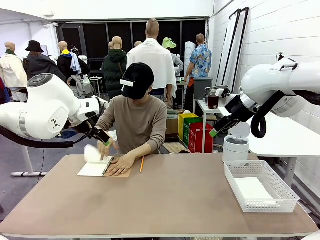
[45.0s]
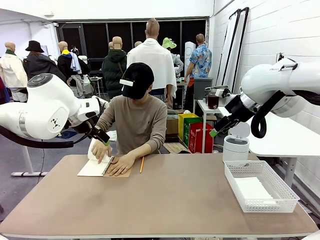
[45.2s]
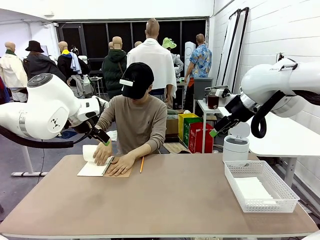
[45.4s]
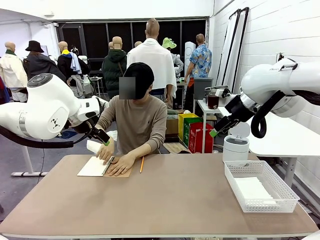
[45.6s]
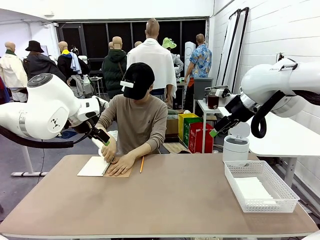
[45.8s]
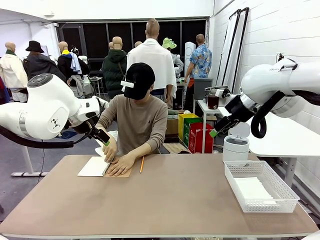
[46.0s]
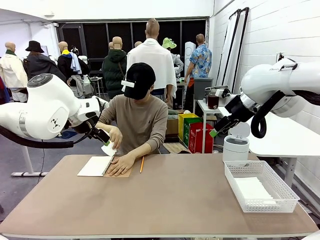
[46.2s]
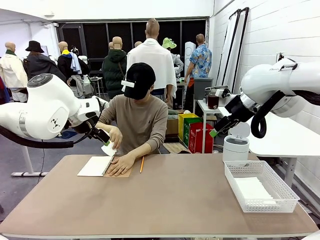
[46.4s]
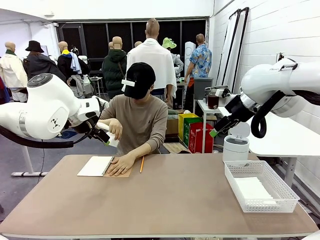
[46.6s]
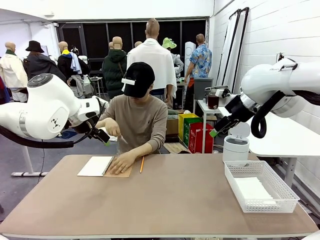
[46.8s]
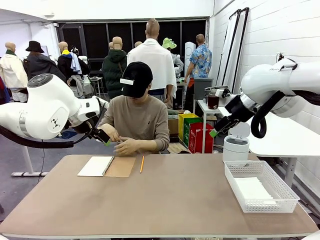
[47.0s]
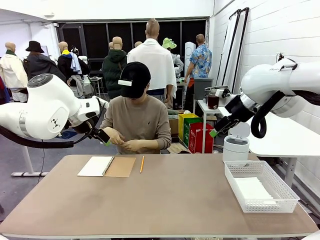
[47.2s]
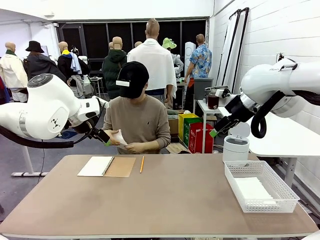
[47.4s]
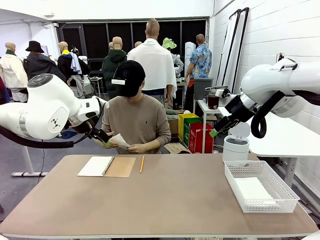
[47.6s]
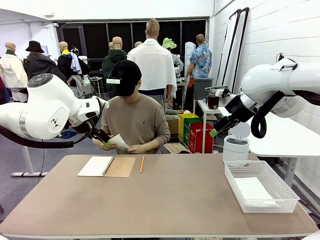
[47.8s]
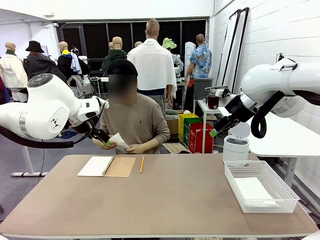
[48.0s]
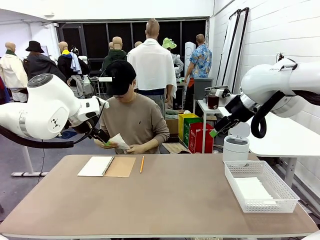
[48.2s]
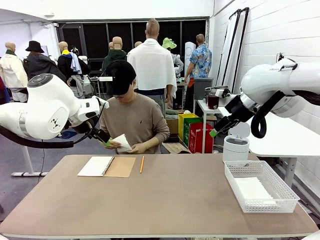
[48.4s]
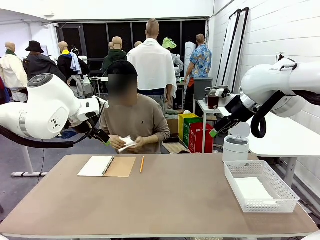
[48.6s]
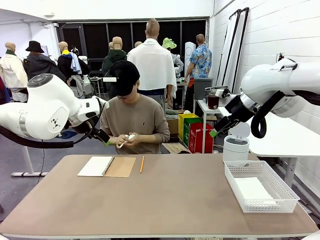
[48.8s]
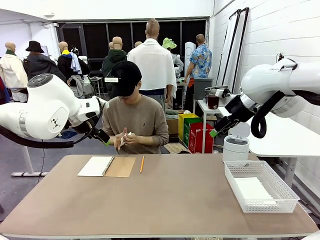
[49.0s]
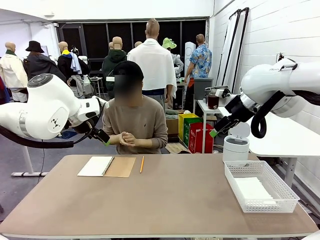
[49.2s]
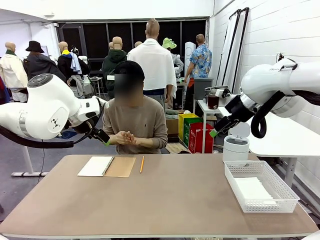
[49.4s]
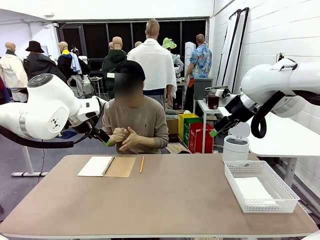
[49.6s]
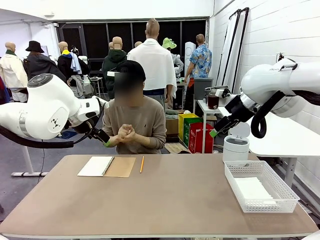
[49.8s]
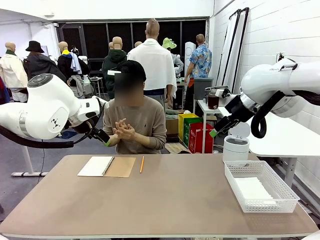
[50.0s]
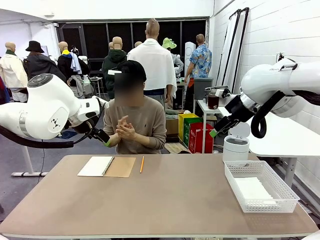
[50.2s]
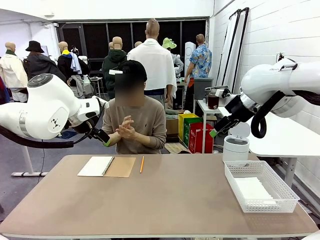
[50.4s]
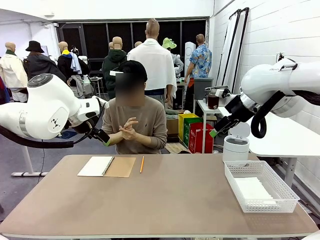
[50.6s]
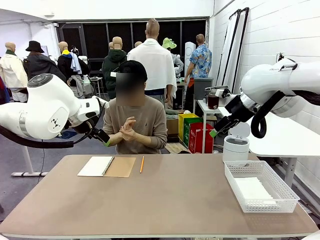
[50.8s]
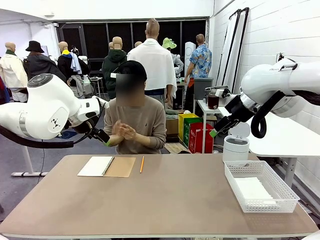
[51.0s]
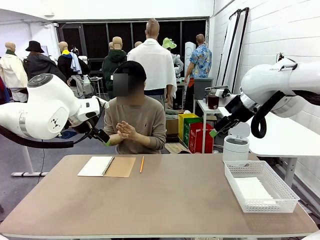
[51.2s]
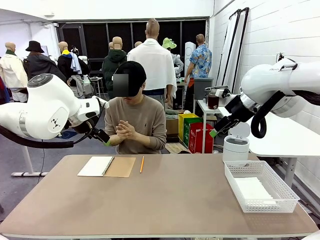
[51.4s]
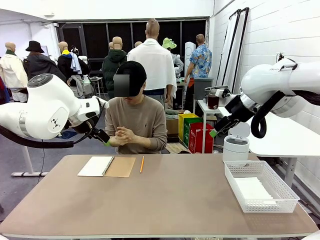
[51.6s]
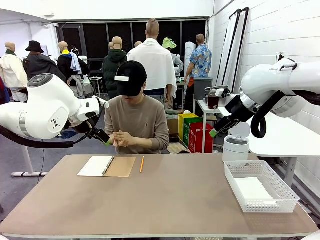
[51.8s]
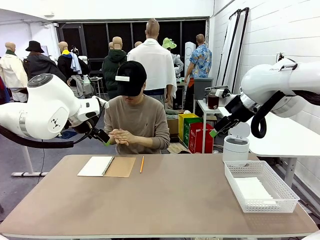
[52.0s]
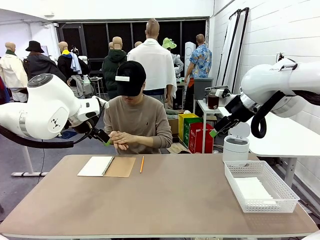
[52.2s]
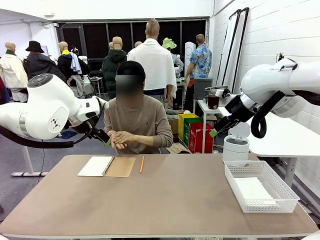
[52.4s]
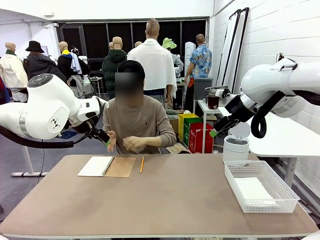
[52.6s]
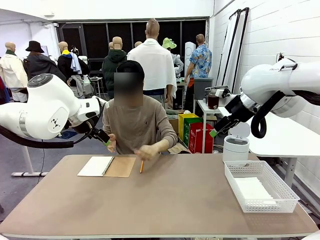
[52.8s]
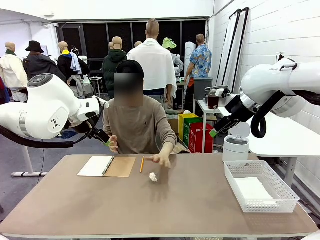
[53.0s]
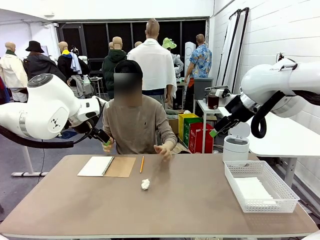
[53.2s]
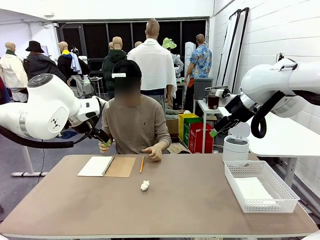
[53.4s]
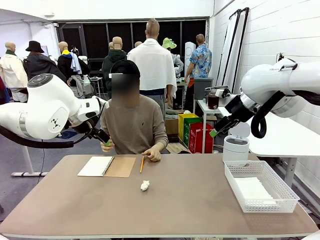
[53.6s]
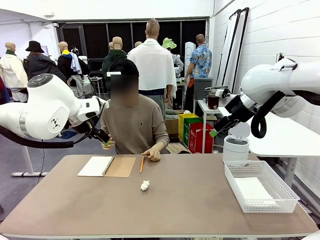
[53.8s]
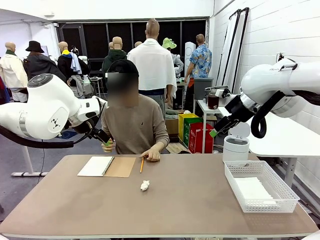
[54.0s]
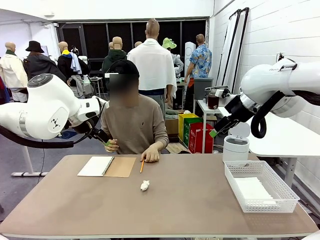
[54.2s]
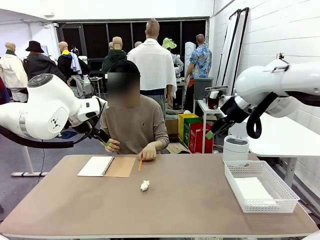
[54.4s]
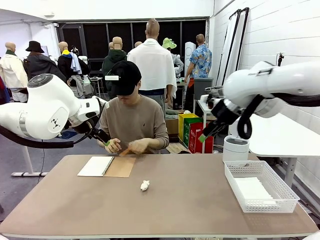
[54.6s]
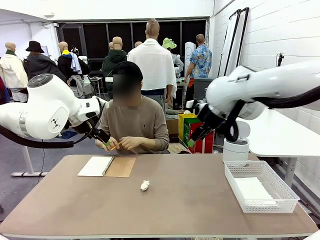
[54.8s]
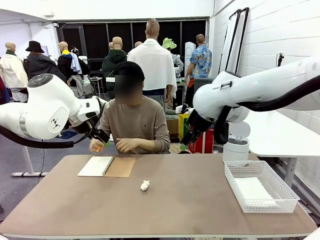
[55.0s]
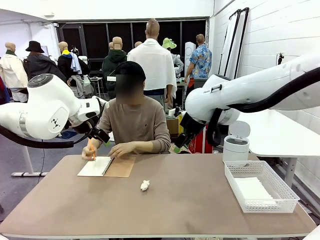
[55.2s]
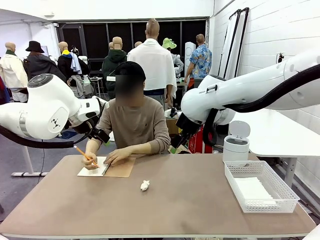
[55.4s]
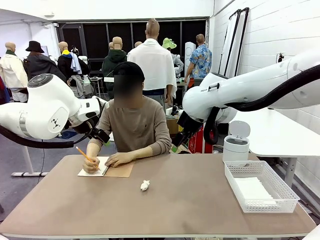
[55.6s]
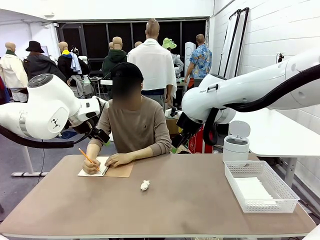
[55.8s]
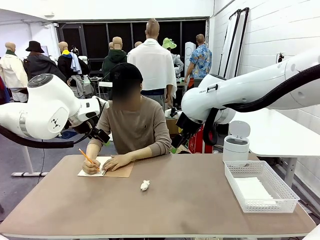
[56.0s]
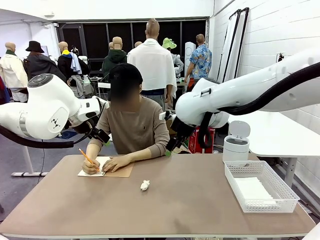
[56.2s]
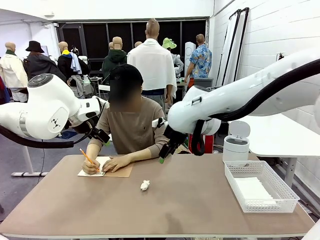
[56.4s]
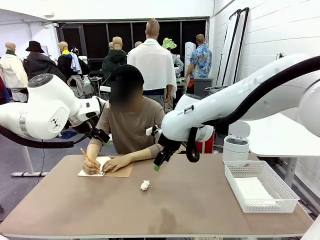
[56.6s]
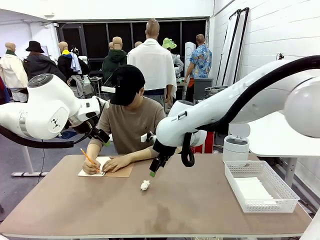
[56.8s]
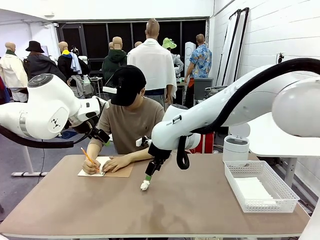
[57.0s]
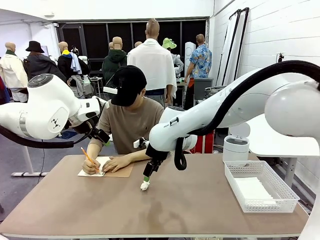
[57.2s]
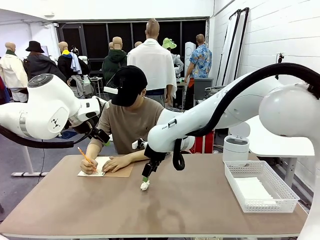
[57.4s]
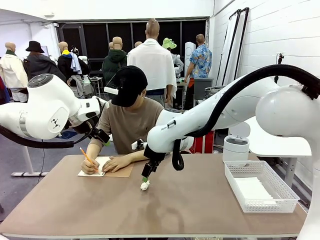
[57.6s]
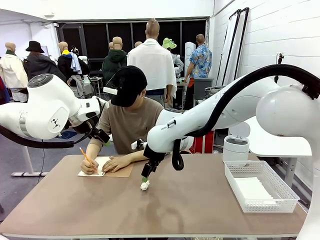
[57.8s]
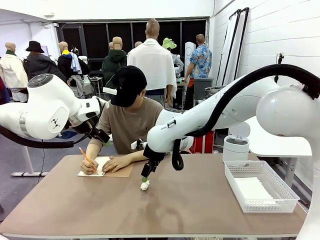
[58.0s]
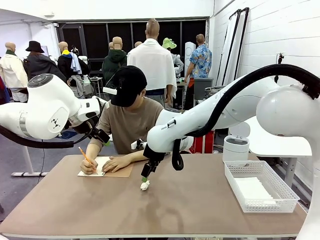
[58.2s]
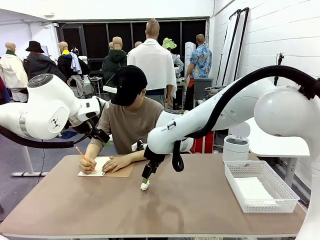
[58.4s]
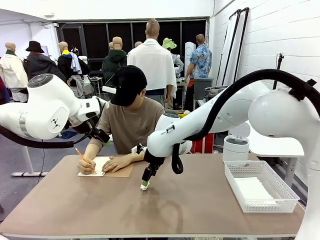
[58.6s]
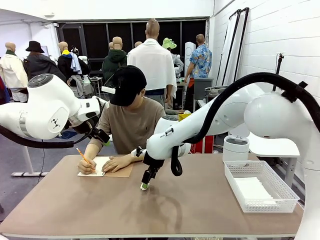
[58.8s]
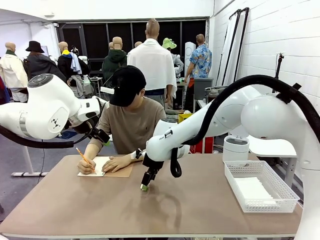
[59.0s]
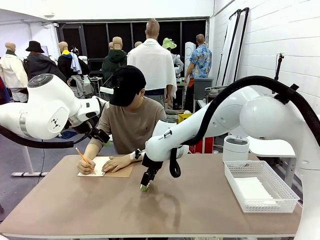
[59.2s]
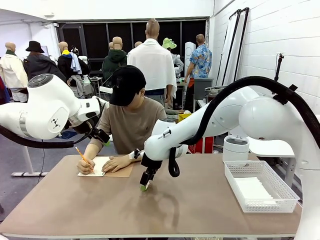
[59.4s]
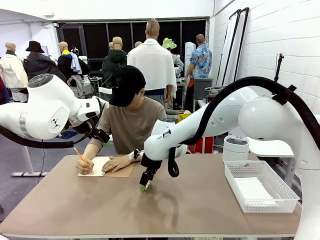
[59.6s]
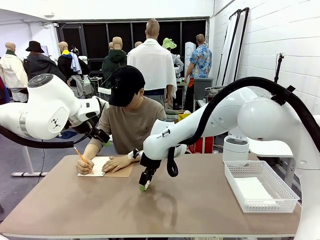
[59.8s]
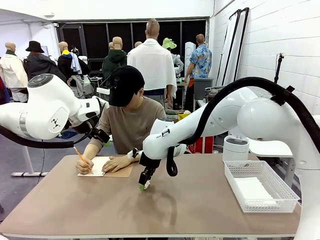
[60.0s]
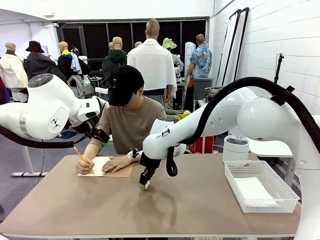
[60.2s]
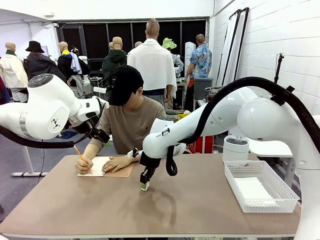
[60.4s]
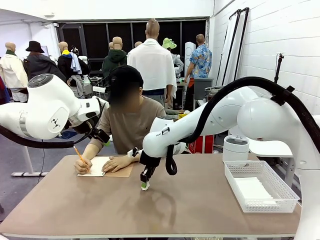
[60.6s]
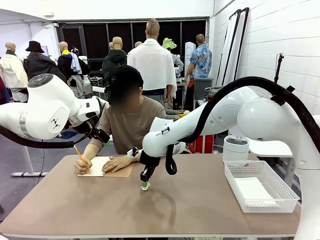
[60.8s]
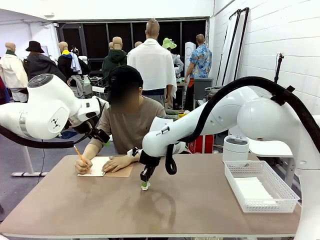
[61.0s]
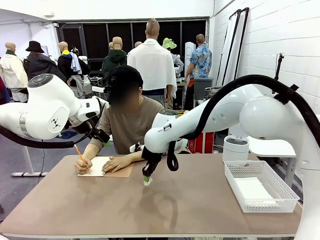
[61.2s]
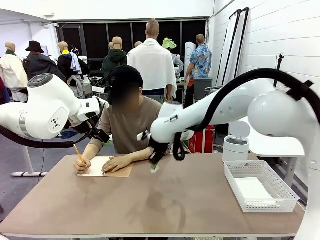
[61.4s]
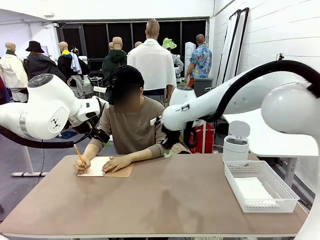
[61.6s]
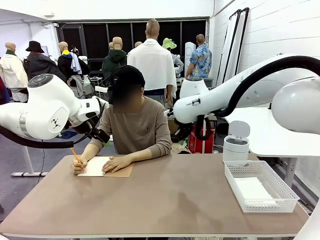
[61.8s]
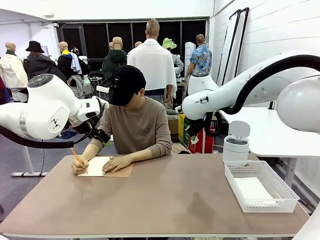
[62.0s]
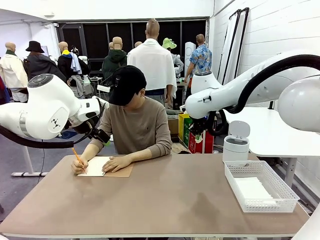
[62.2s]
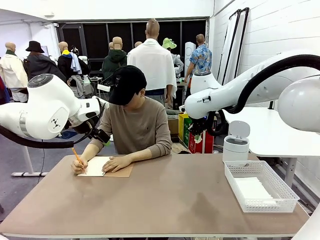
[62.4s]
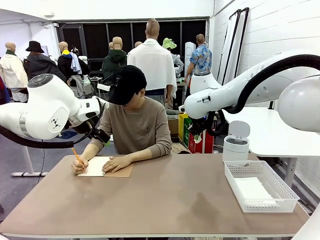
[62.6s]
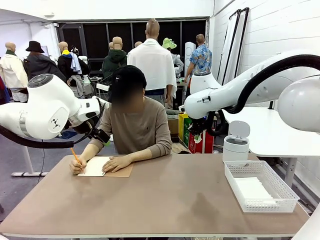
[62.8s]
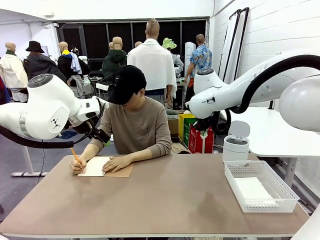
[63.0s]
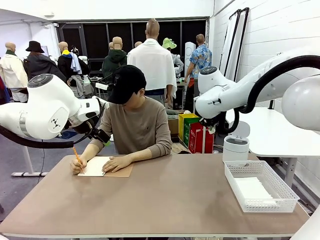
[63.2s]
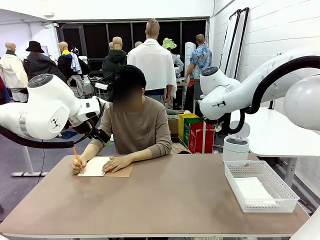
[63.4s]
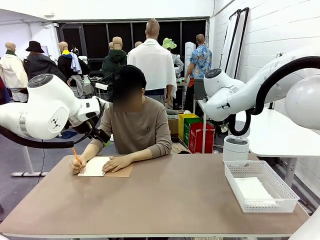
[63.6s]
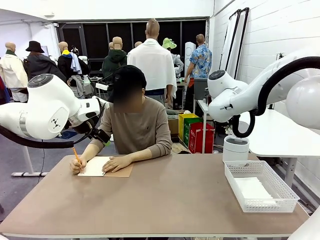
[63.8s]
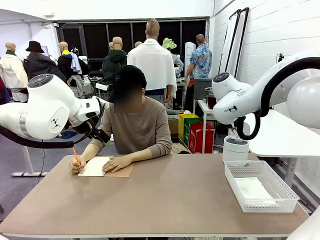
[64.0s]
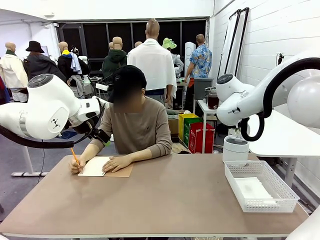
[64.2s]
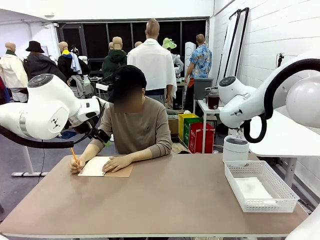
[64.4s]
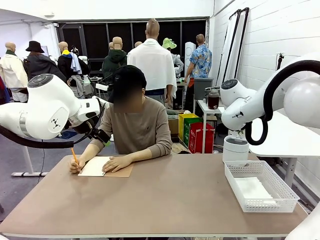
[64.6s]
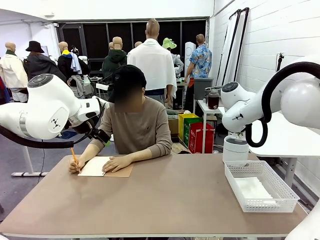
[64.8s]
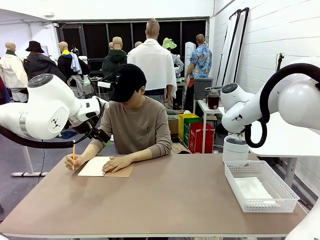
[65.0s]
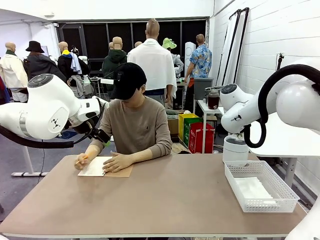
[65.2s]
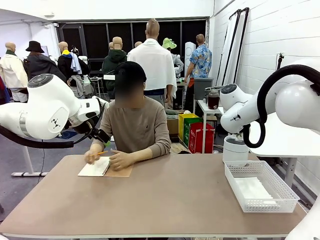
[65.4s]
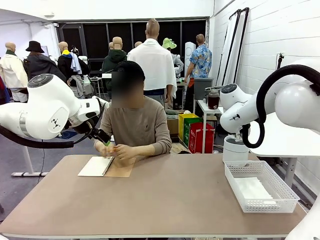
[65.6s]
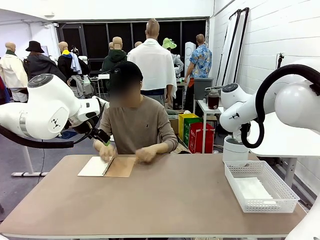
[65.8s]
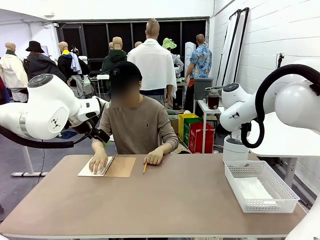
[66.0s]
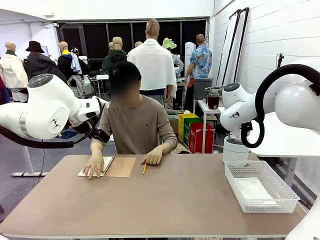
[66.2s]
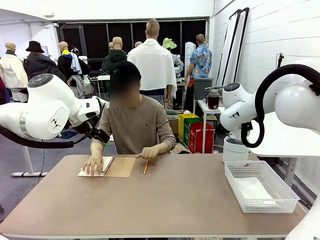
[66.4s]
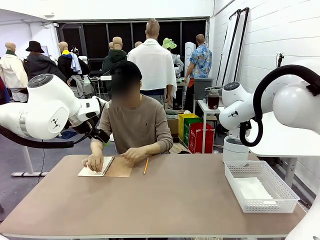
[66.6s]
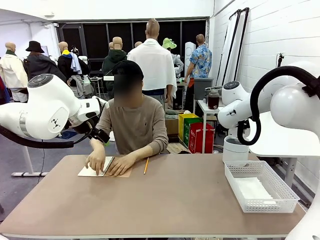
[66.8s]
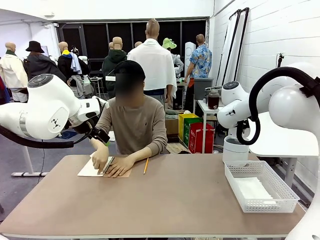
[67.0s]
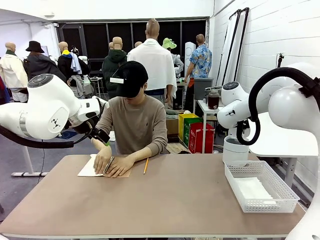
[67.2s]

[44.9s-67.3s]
Task: Sort the paper based on its condition.
Robot: If a person hands you a paper, place it in the Organizing basket , and if it's crumpled, put it in the Trash can.
Person: Hand the torn page to the robot or crumple it and throw it to the center of the table. Tear out a page from the spiral notebook.
